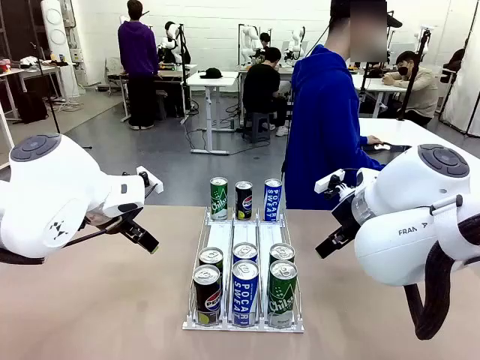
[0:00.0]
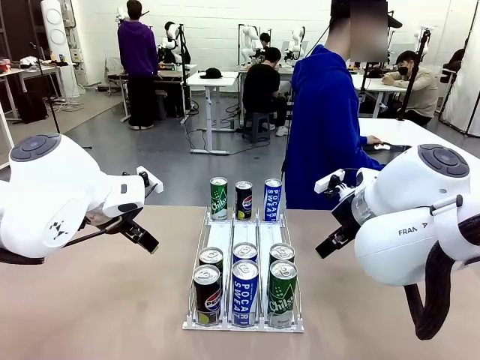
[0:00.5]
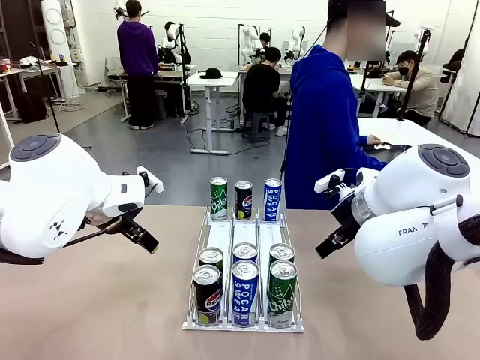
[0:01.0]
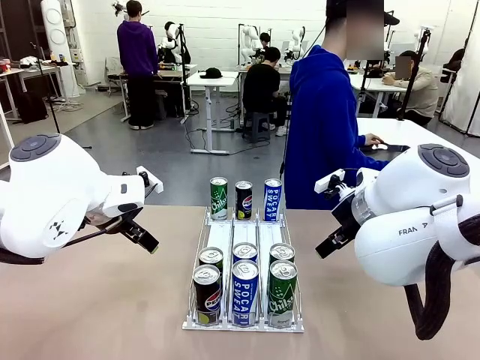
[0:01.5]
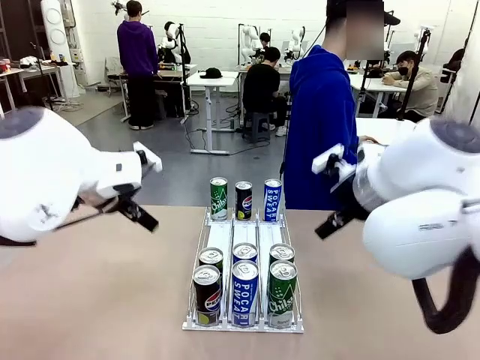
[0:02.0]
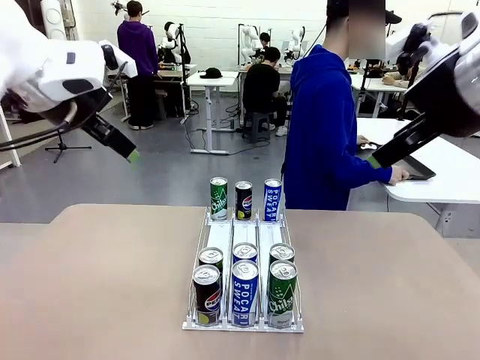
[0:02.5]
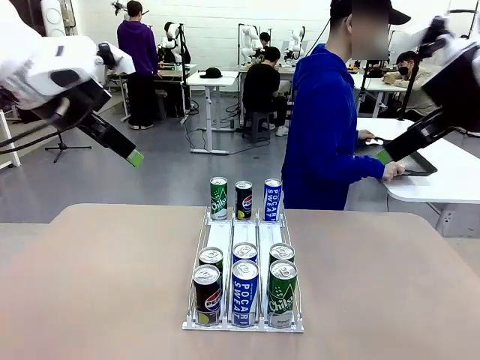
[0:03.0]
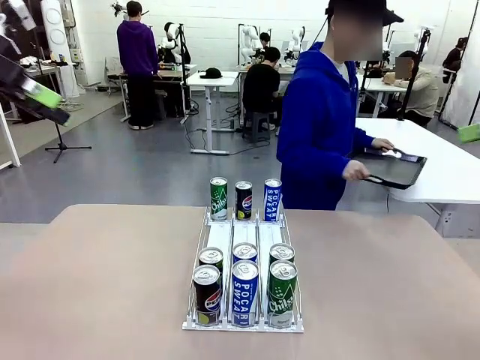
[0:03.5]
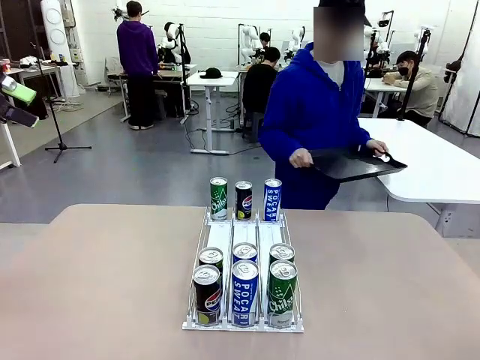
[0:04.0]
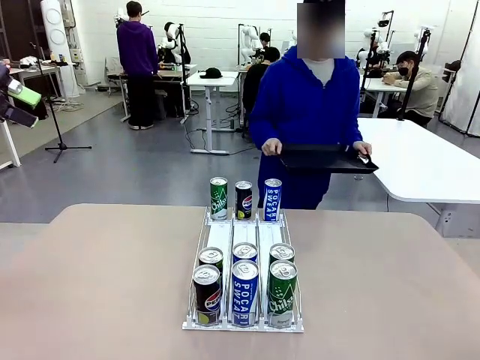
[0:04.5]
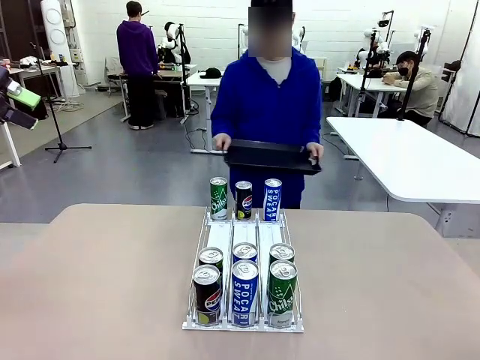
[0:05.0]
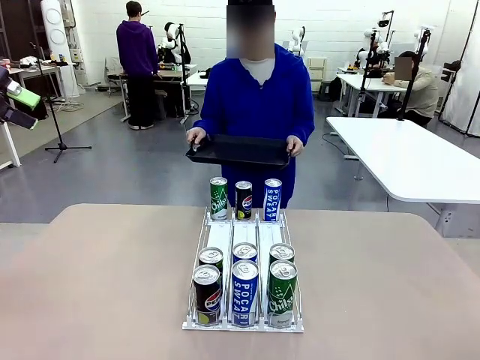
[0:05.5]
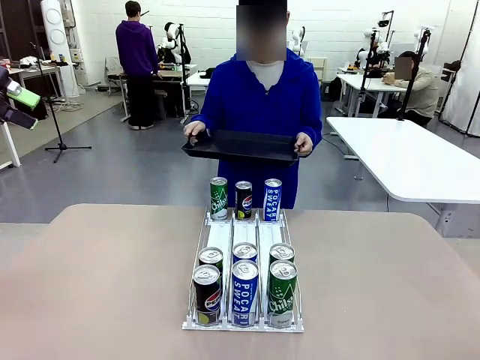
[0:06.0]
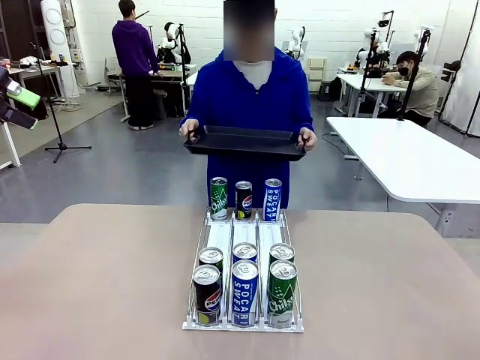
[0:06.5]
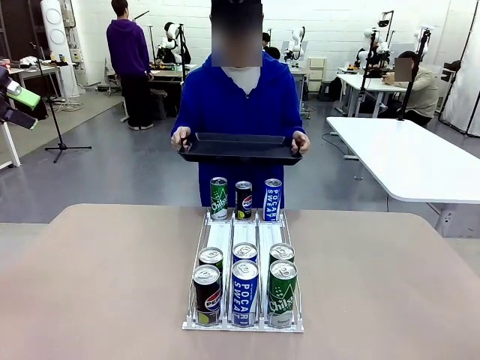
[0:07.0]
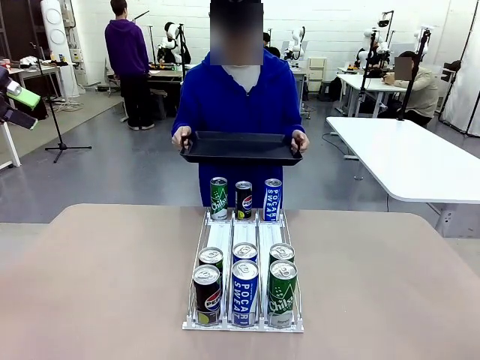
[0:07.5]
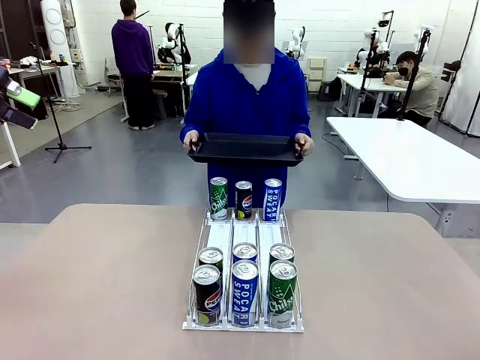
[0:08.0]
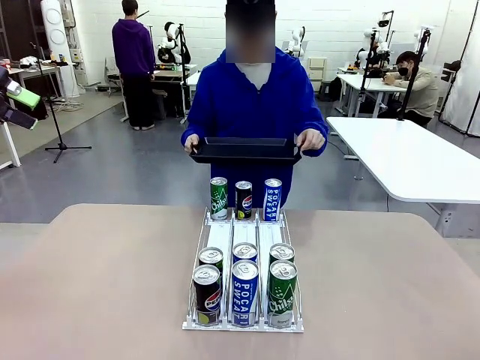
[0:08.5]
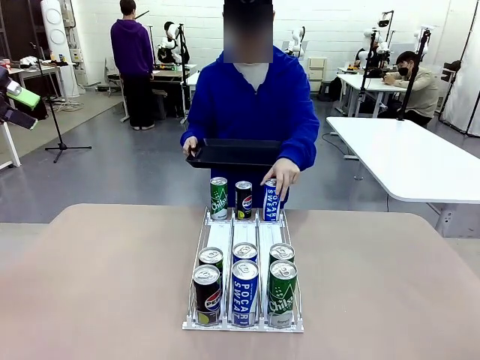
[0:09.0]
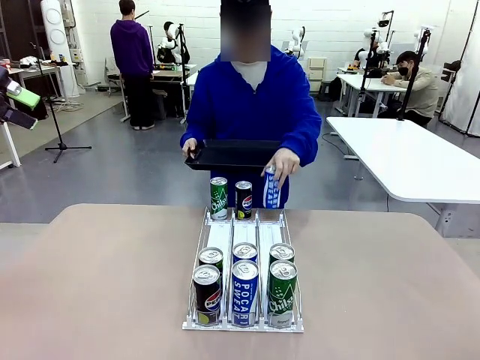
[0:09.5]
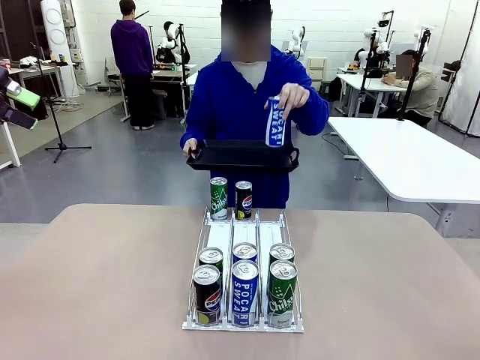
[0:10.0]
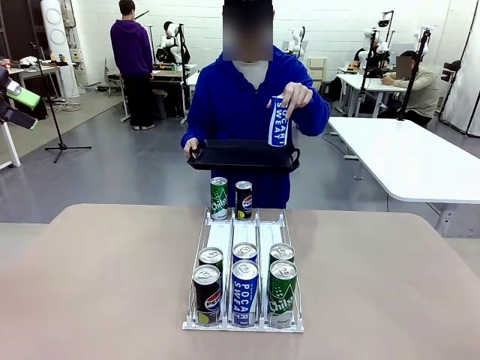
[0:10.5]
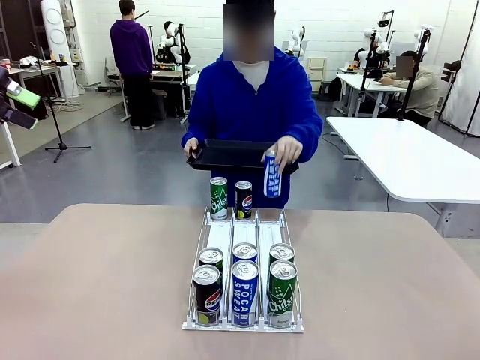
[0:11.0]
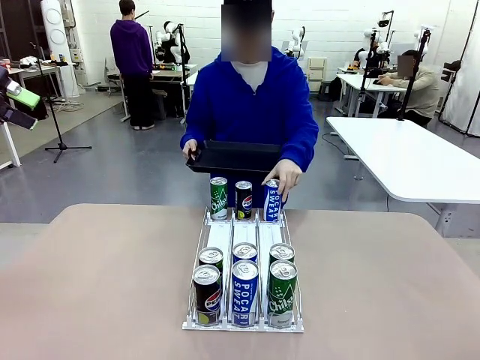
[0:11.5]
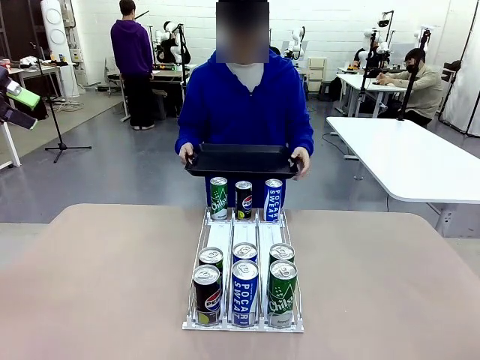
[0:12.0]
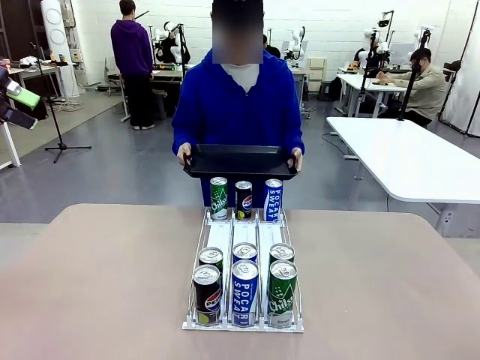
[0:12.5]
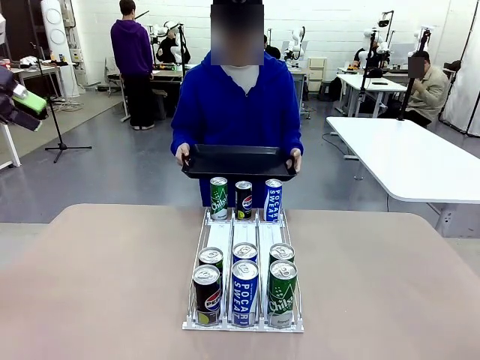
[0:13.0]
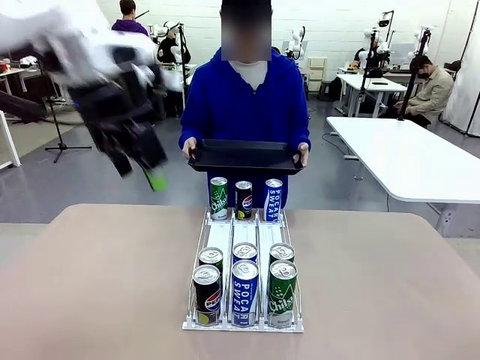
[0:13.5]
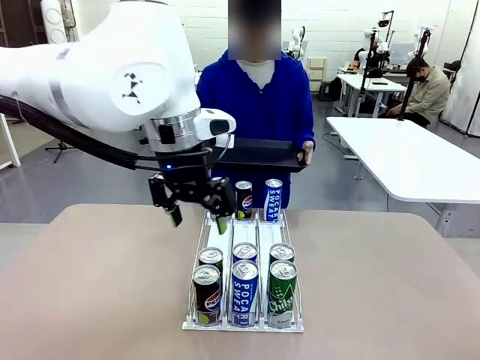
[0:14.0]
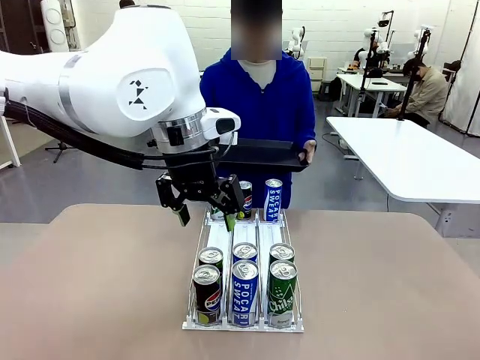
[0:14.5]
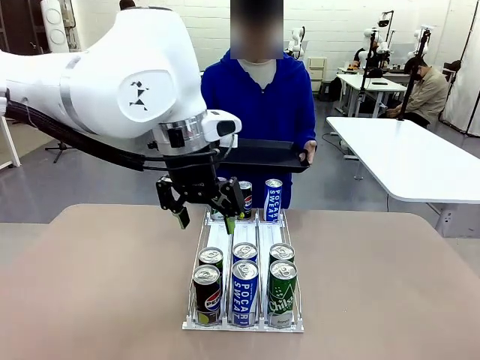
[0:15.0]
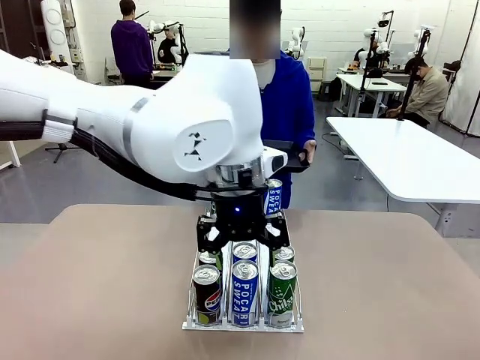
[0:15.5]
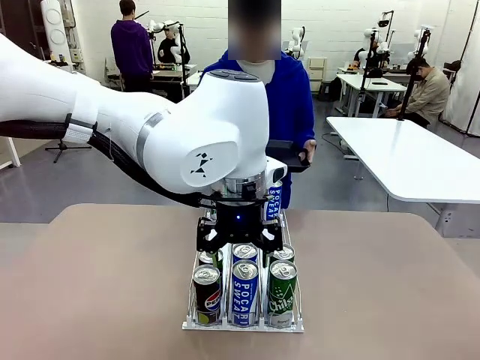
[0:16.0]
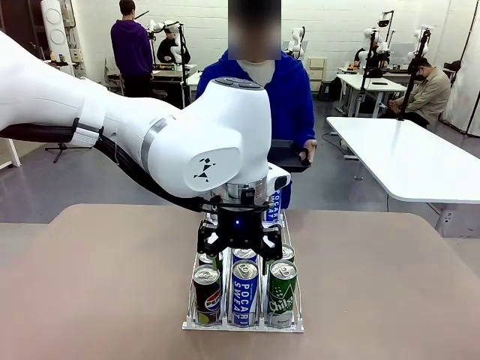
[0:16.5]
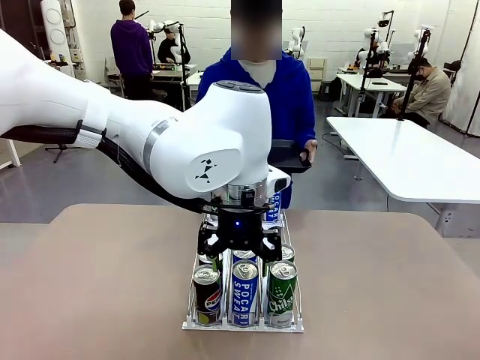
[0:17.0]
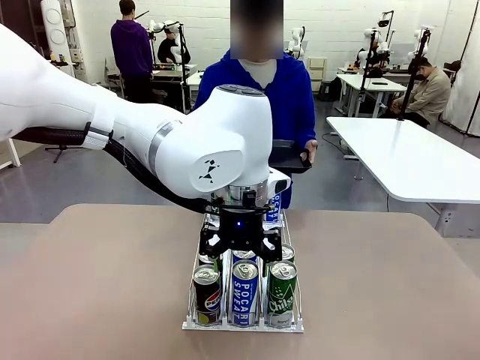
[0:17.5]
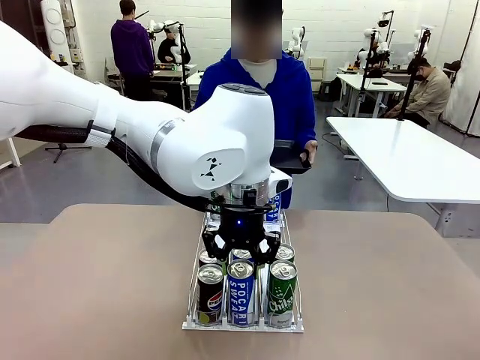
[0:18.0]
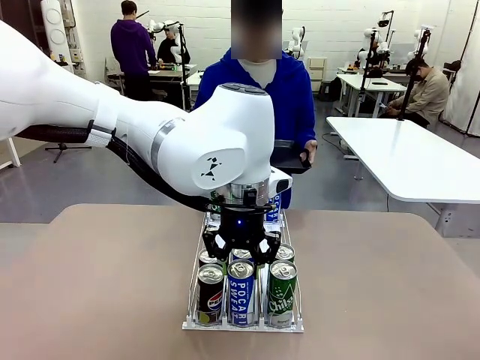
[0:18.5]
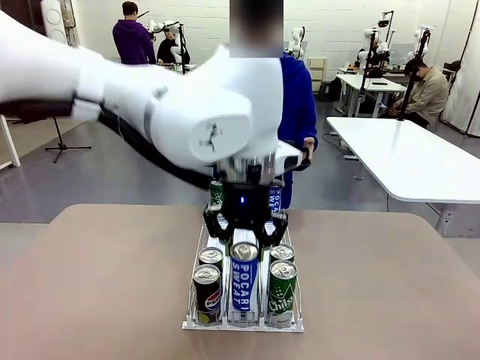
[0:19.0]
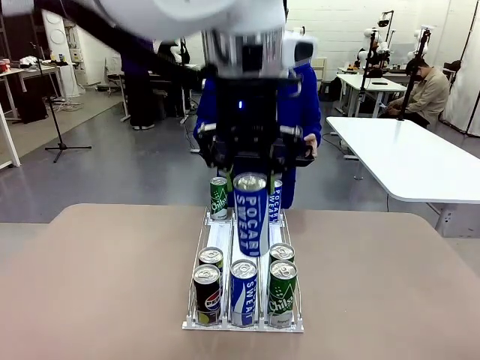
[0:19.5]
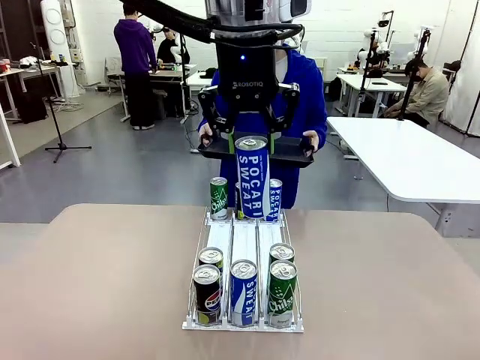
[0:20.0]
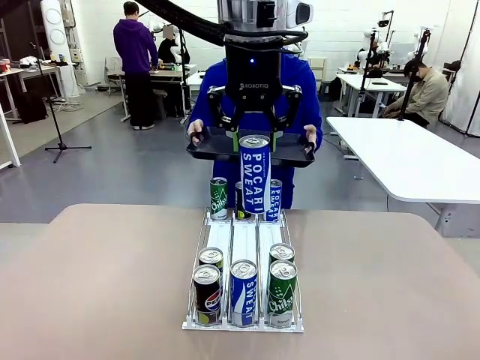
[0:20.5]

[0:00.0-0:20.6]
Task: Retrieve and hand over the desired beverage to the person.
Robot: Pick up a can of the same type that the person held from the Automatic Can Dispenser.
Person: Hold the tray and position yourself in front of the robot table. Pick up one can from the bottom area of the table and puts it back in its original place. Push the tray toward the robot.

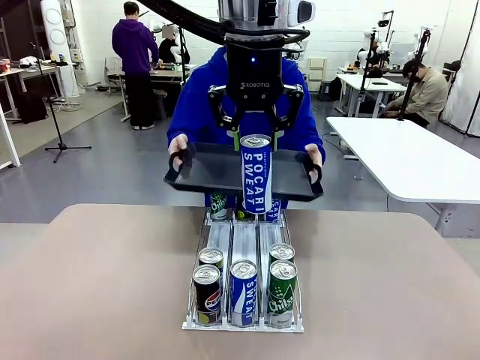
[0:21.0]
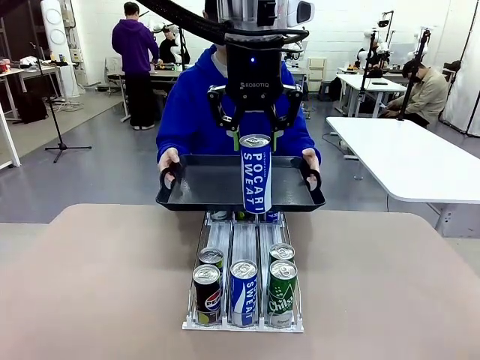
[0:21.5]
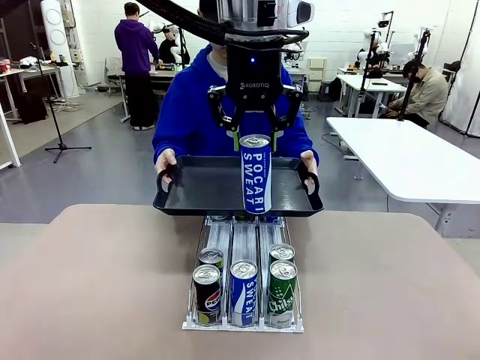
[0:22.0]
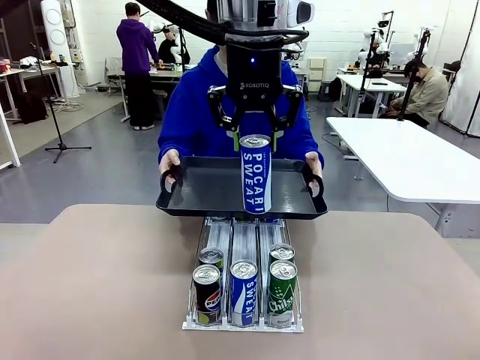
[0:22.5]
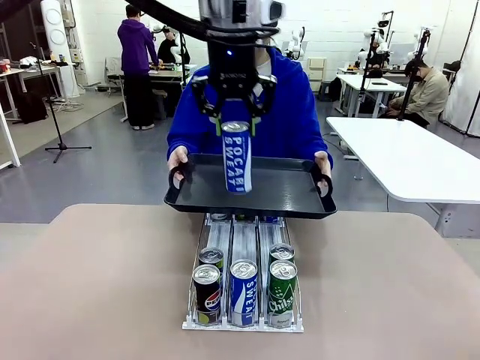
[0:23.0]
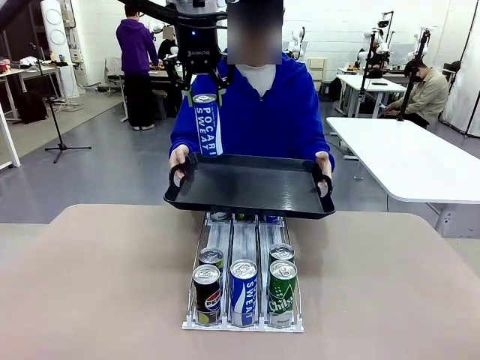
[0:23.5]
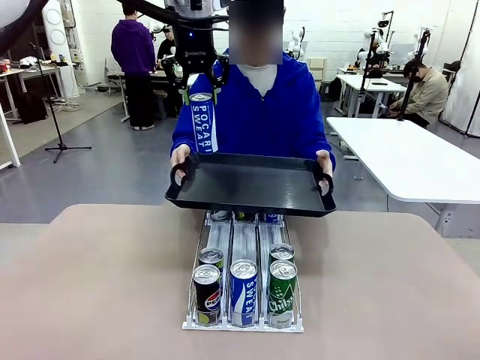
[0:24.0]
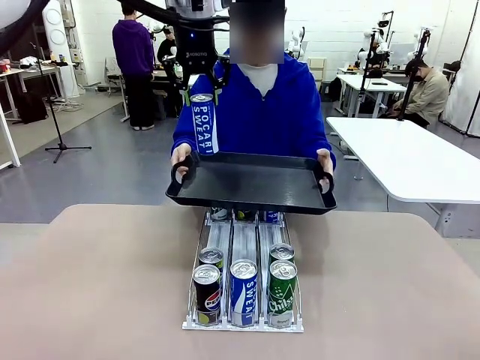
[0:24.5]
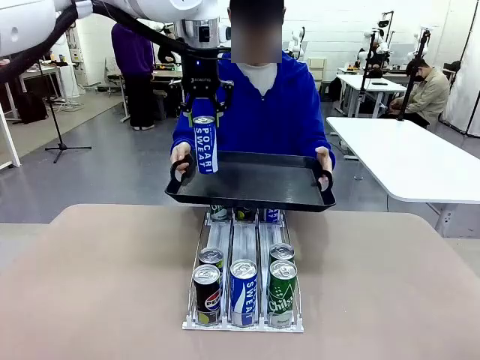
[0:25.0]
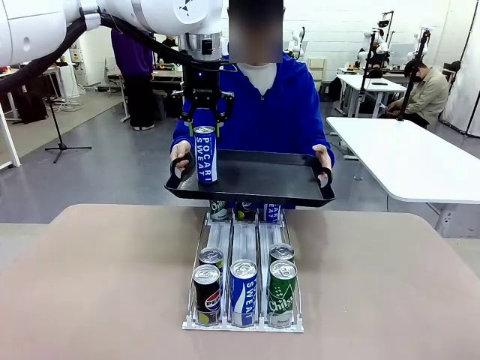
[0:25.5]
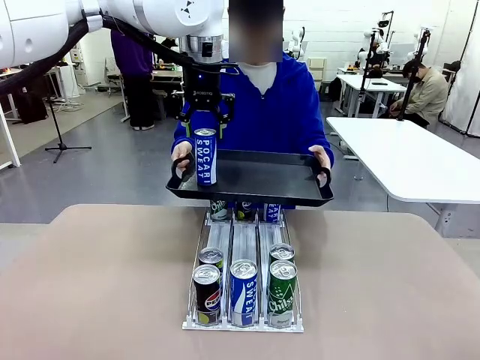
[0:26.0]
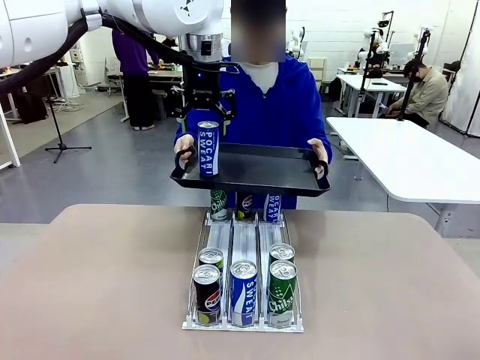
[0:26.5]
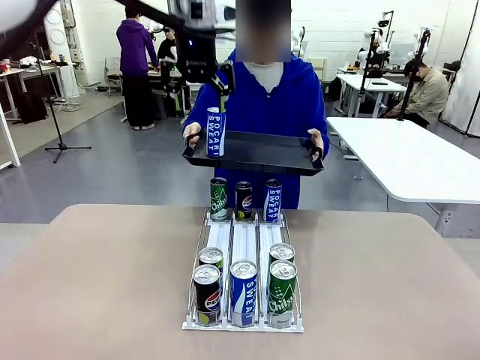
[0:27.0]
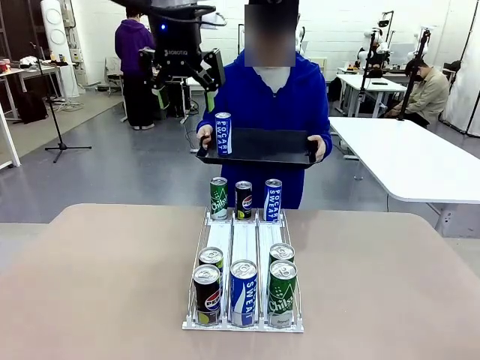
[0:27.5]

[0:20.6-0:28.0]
Robot: Place the picked can on the Handle tray extended by the person.
